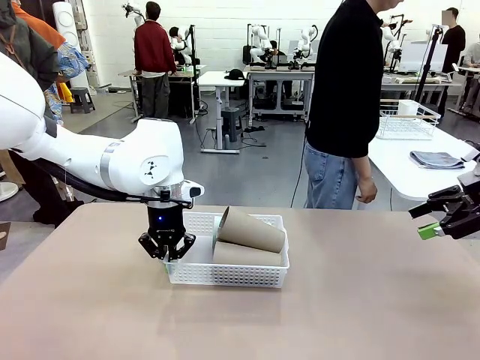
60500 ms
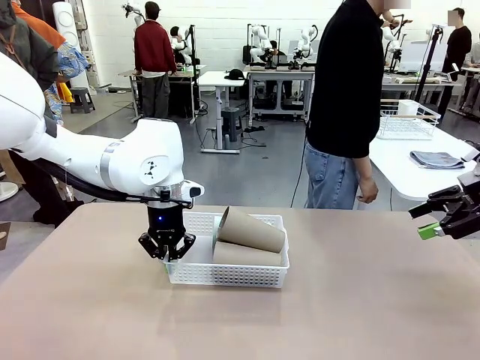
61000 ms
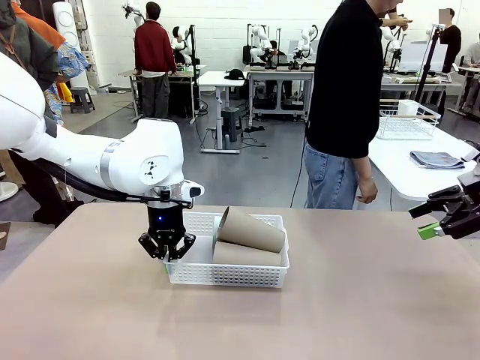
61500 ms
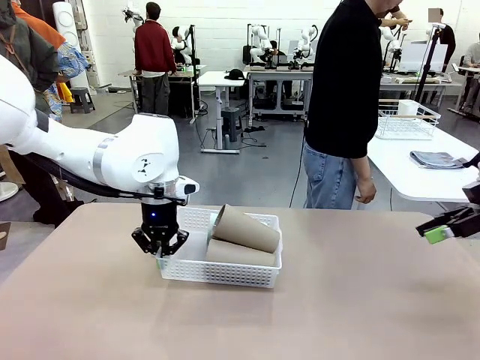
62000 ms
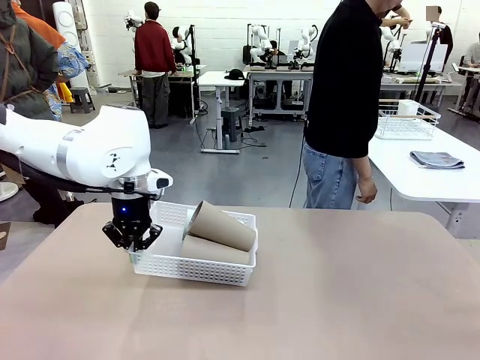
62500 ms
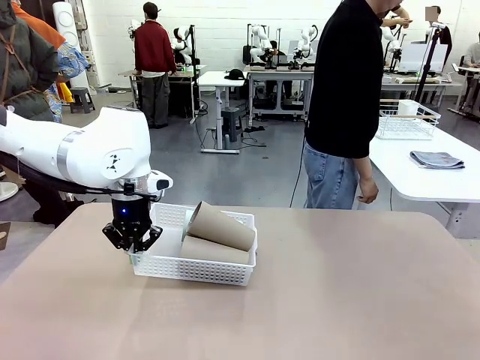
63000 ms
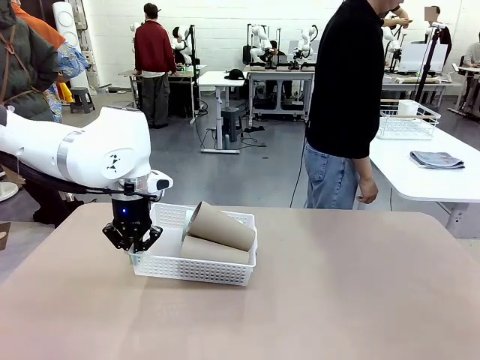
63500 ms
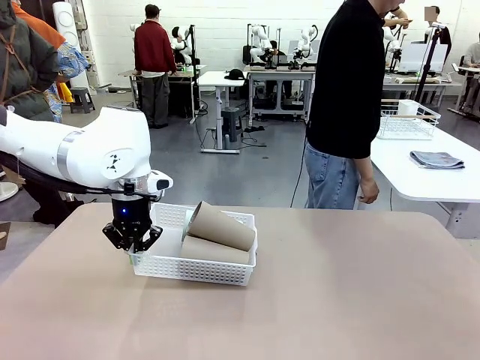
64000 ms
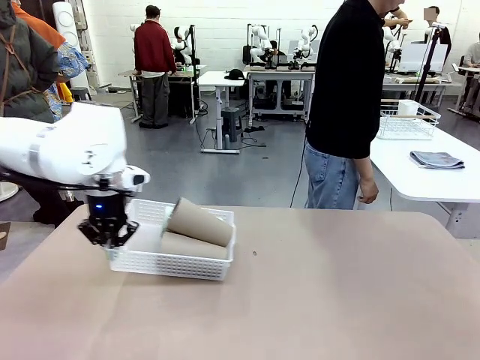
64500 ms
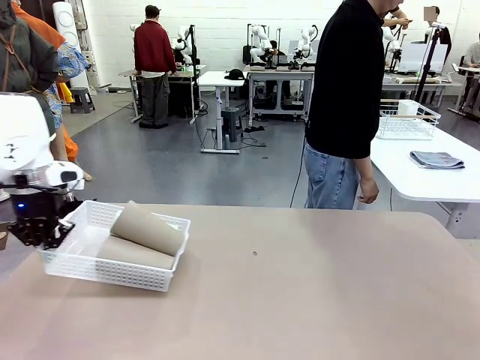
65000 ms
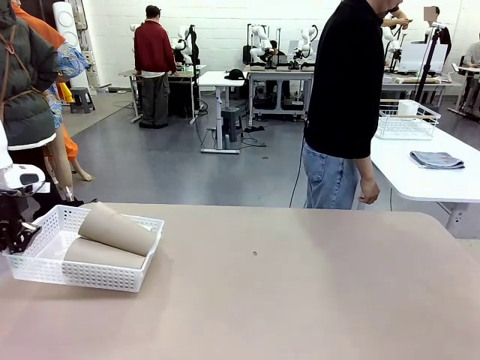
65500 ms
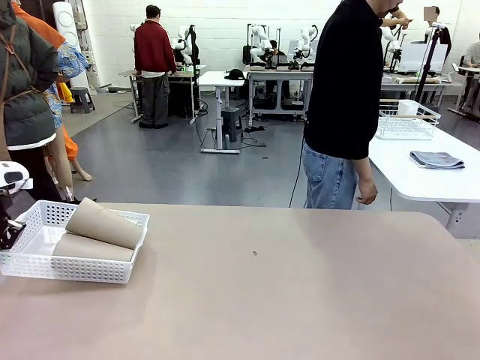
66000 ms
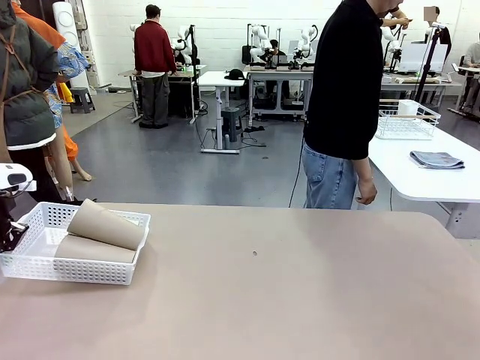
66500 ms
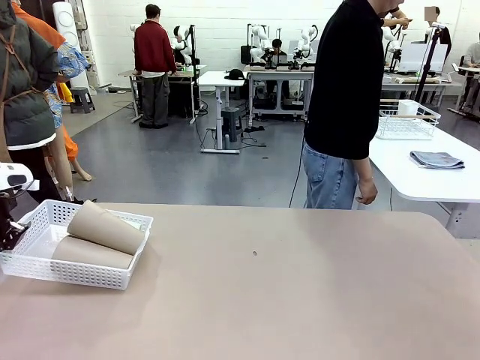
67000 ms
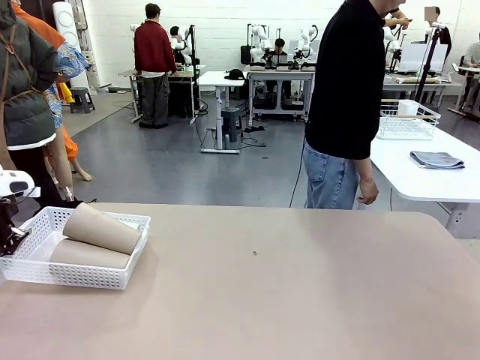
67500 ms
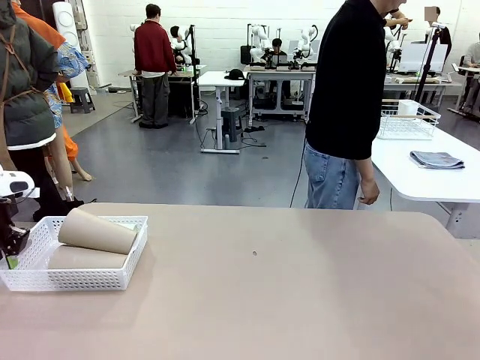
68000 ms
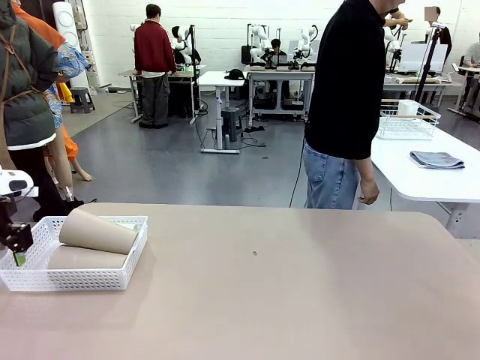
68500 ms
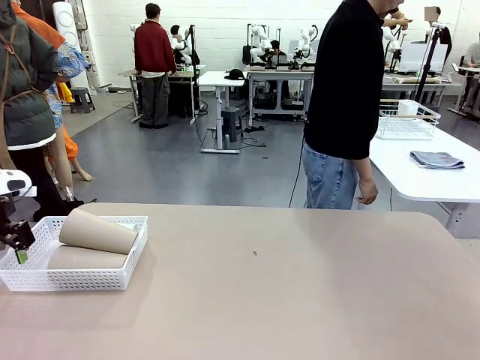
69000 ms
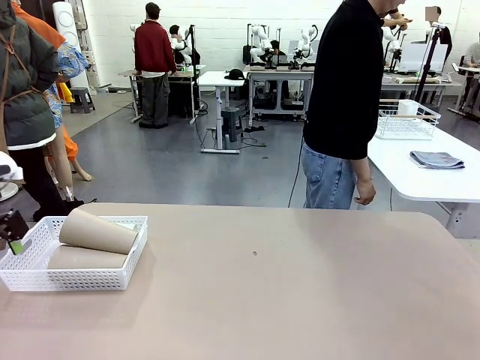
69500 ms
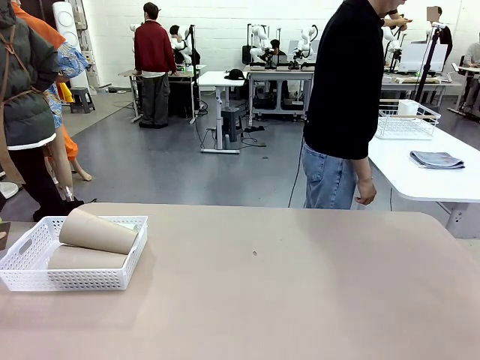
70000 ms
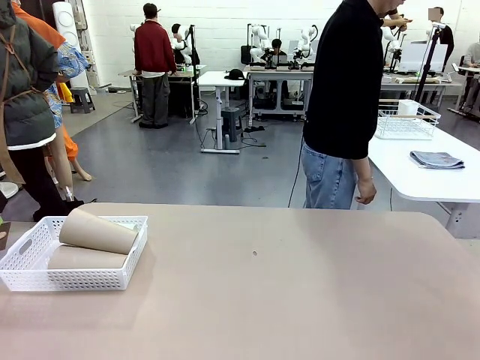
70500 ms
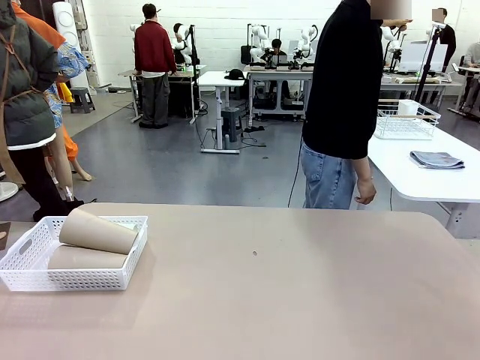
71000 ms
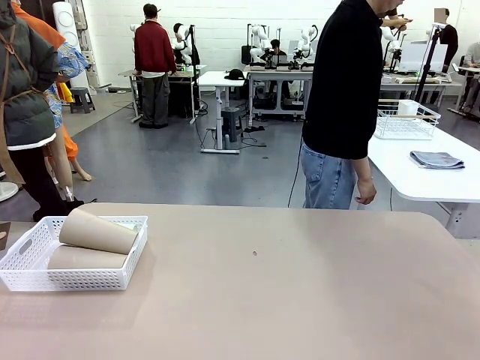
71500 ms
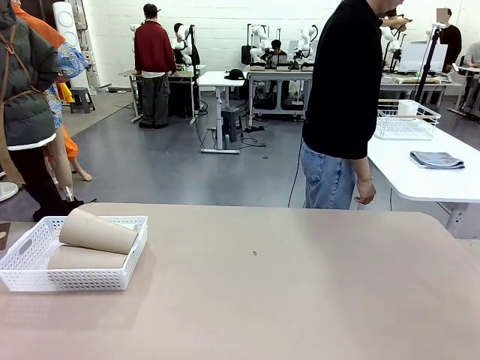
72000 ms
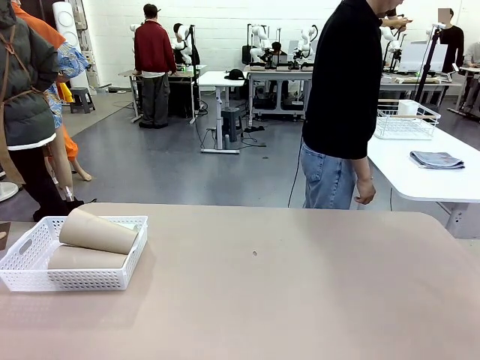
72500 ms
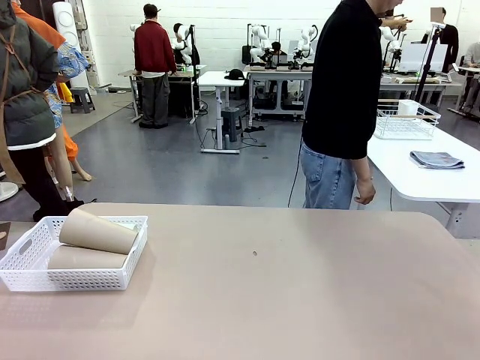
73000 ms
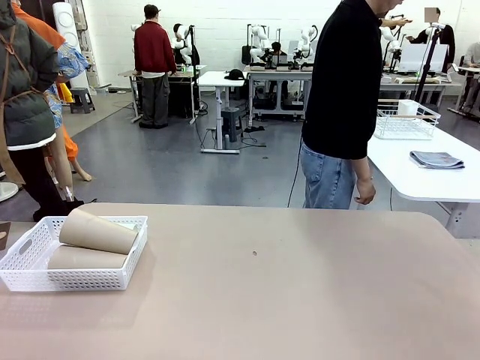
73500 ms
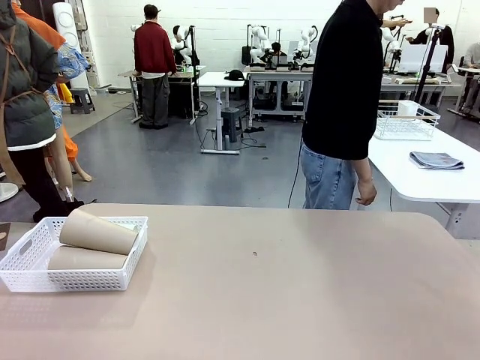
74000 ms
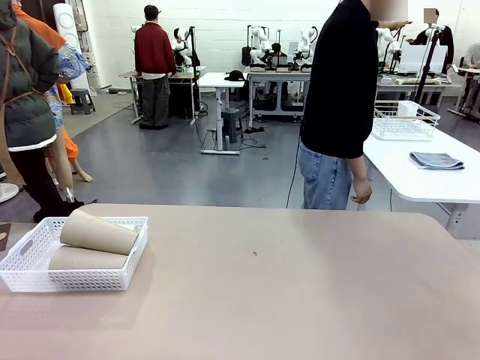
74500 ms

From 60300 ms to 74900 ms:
Task: Clean and organize the cups into the basket.
Robot: Move the Organizing basket back to the left side of the table.
Person: Folds the towel in half twice and places it in the right of the table.

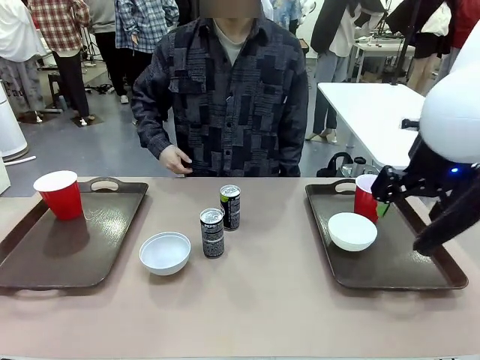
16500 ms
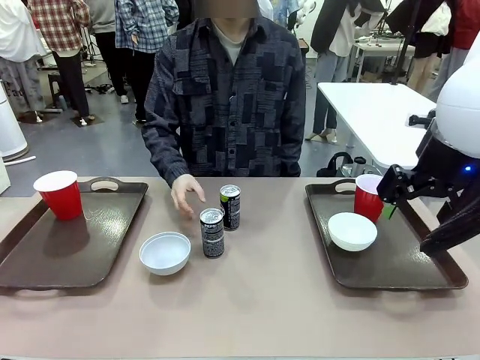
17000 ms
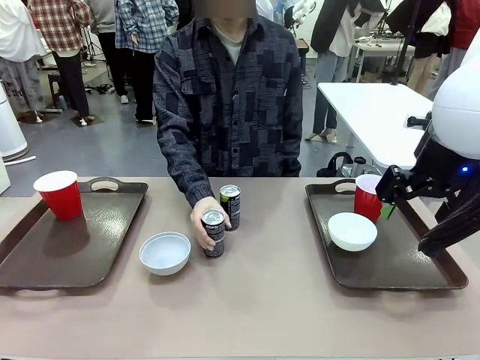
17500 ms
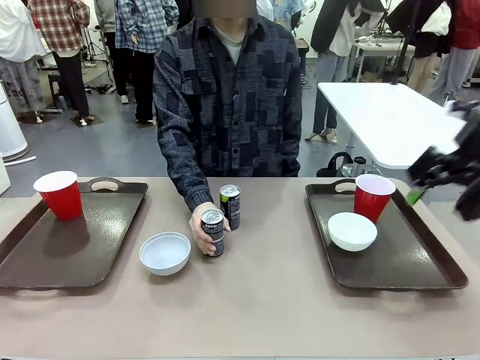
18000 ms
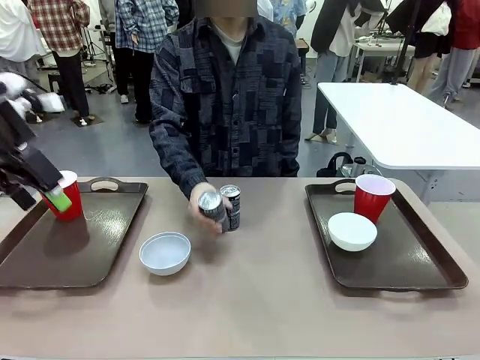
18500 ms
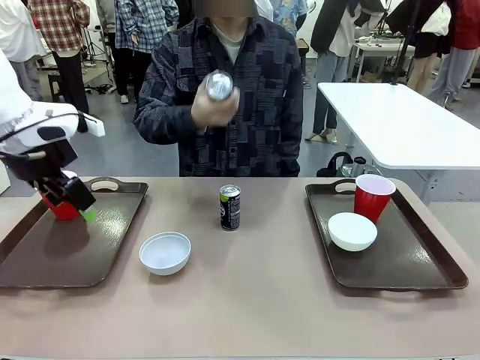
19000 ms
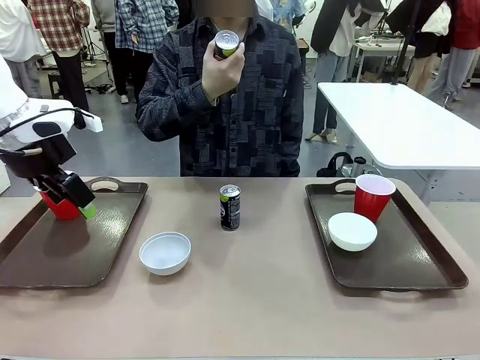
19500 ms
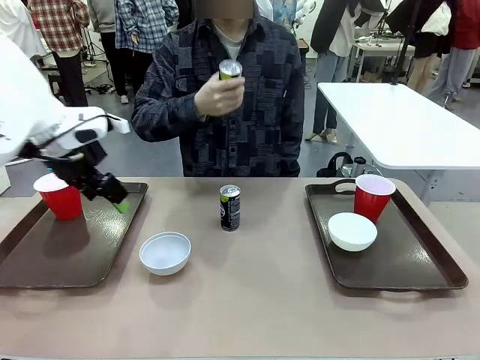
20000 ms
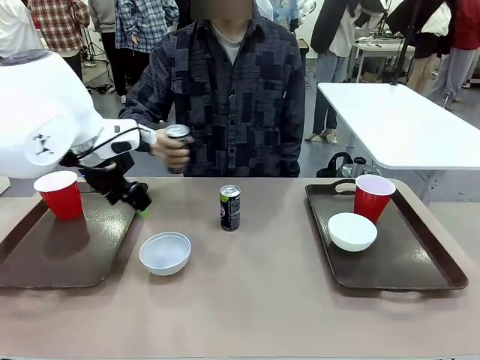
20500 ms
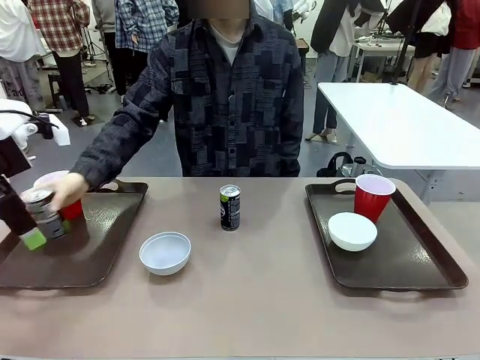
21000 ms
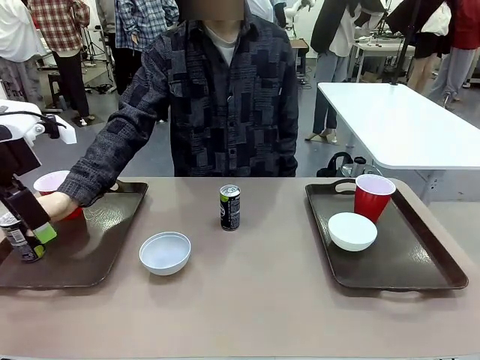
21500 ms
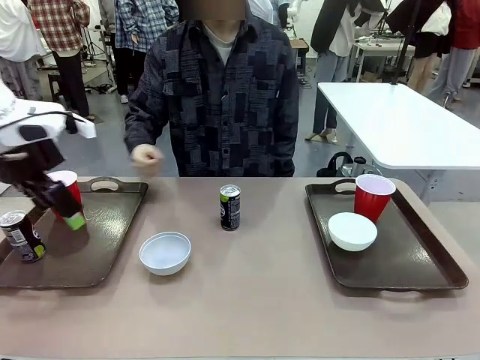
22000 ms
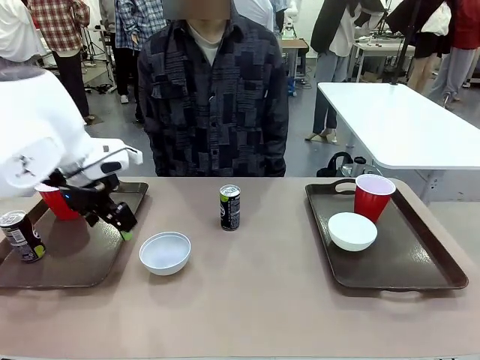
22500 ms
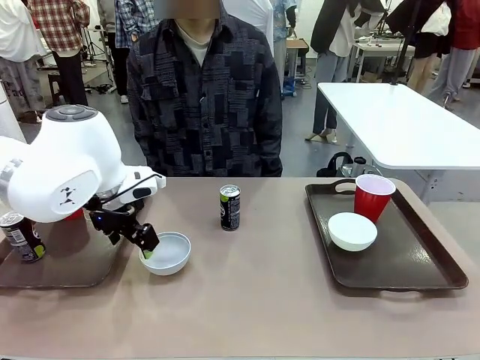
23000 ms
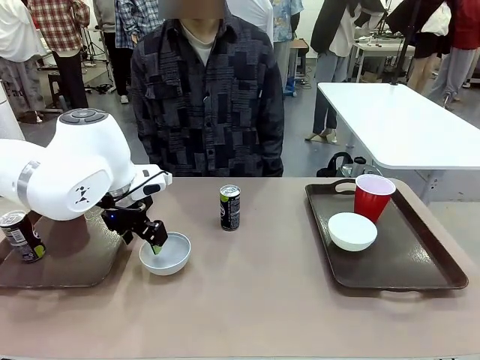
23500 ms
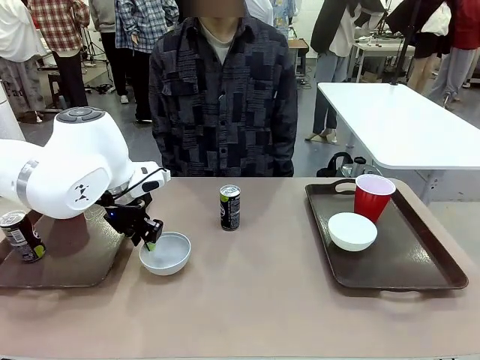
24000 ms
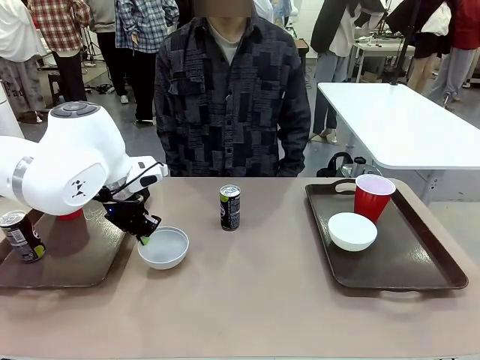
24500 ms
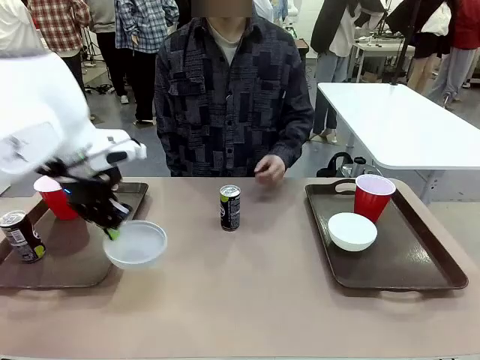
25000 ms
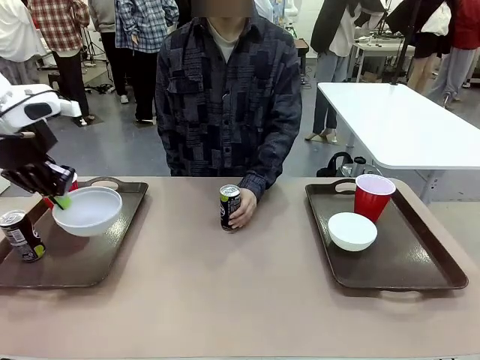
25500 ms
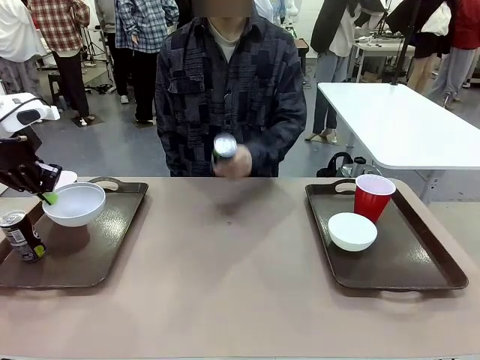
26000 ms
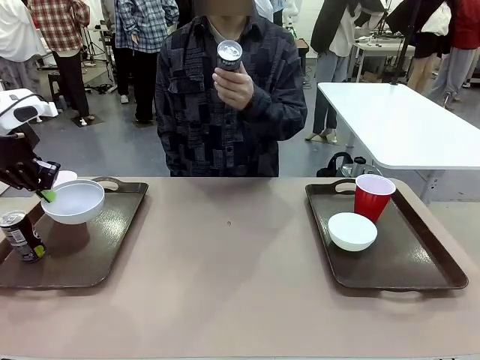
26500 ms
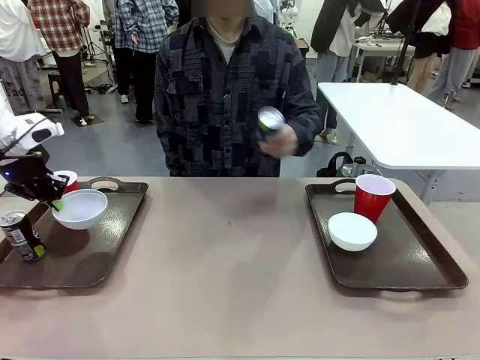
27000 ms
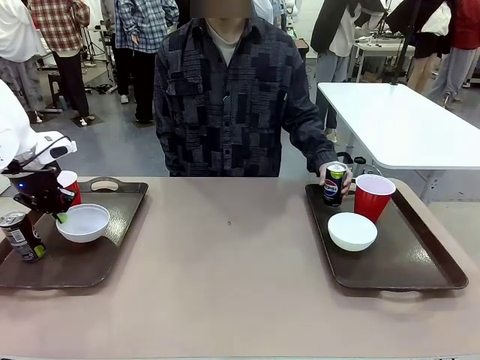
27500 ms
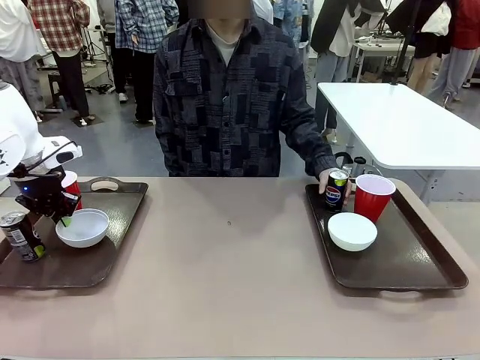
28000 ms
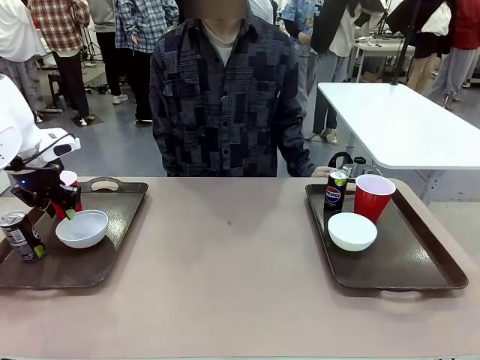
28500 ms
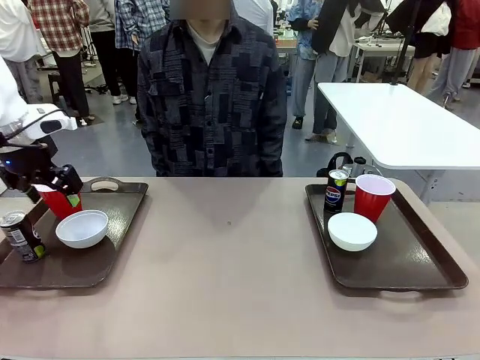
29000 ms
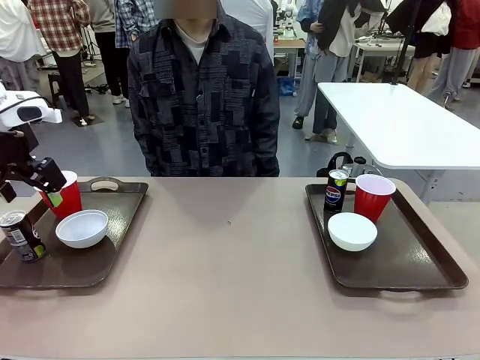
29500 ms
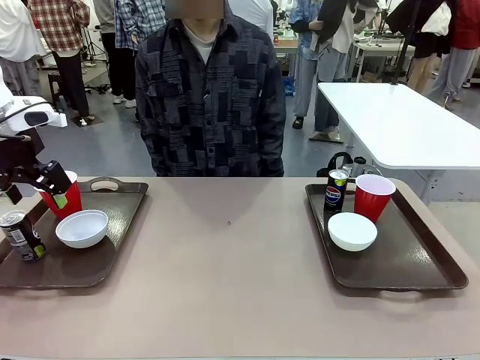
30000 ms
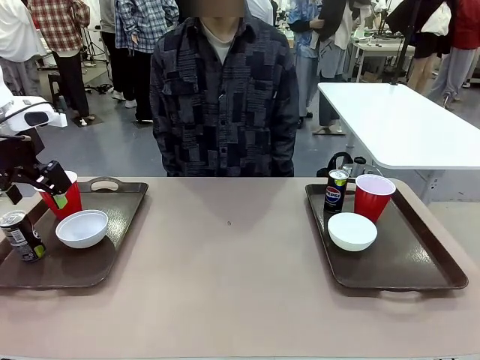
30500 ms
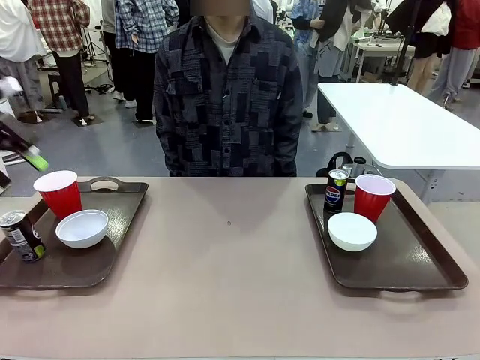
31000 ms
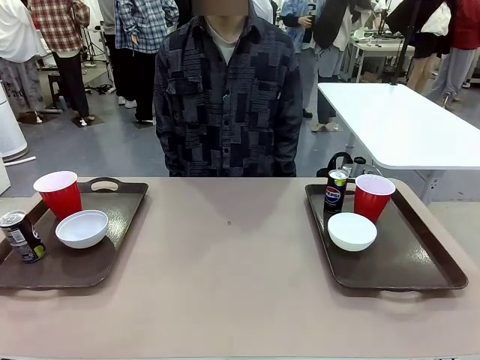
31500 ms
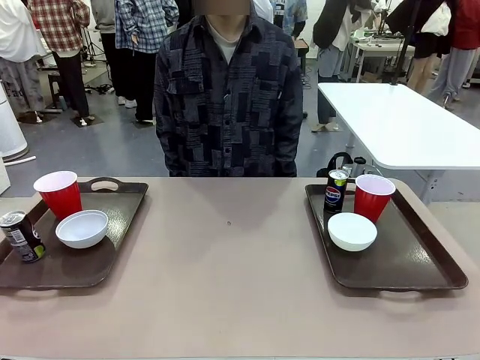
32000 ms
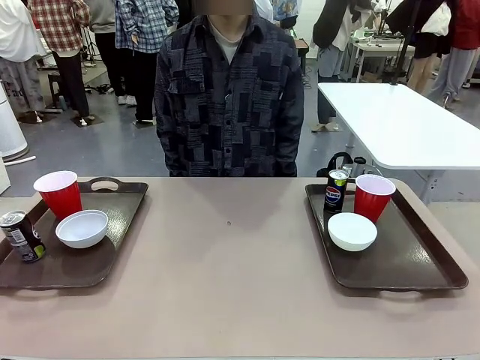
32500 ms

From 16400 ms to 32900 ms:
Task: Prepare tableware on both trays.
Robot: Pick up a Picnic Bowl from the table and place it on a Handle tray.
Person: Pick up a can or cup and place it on the tray without a can or cup.
